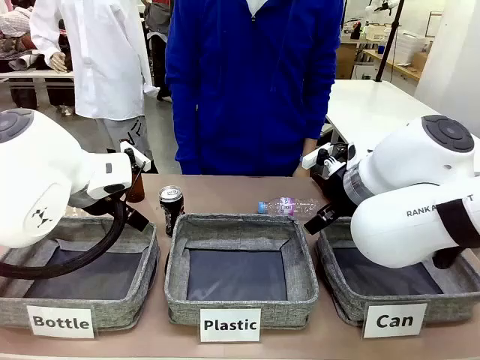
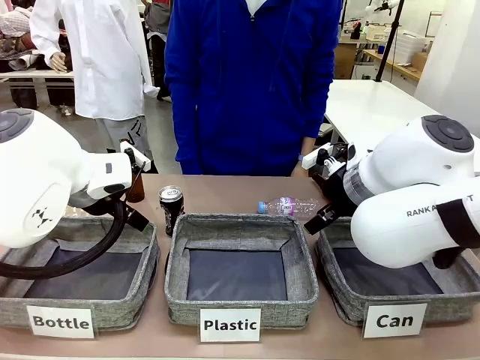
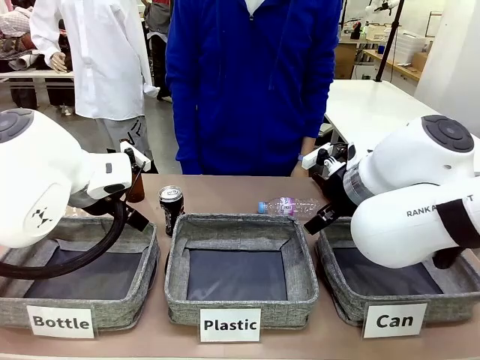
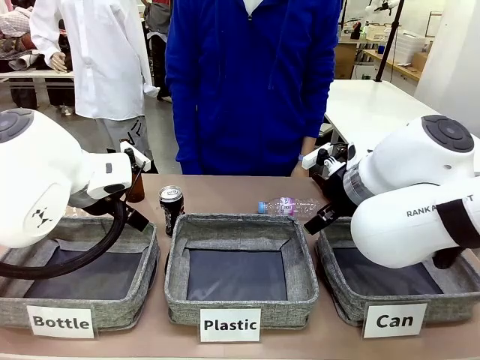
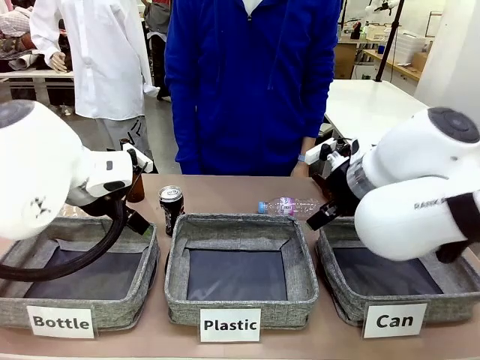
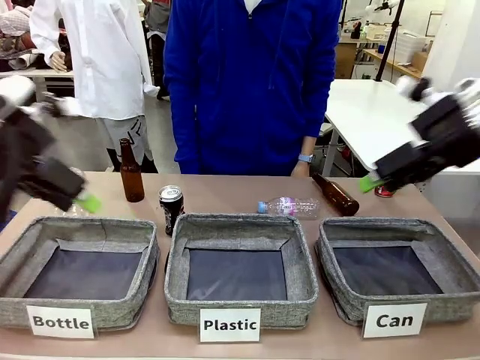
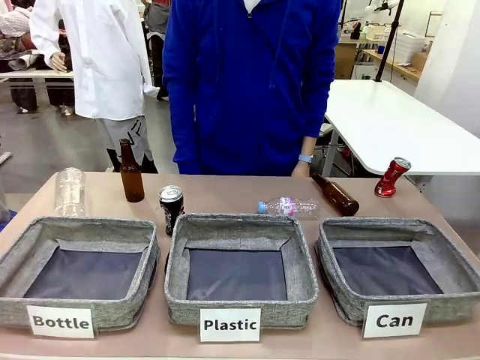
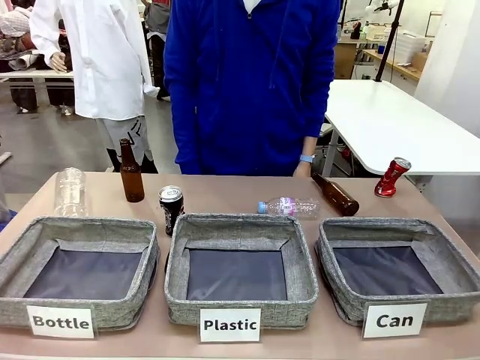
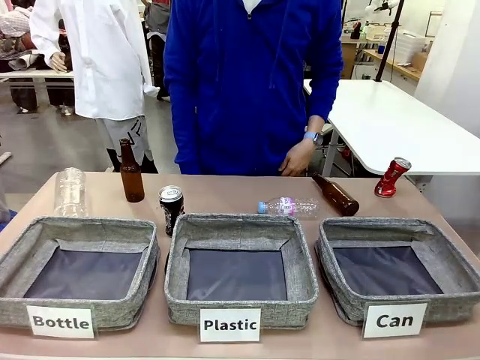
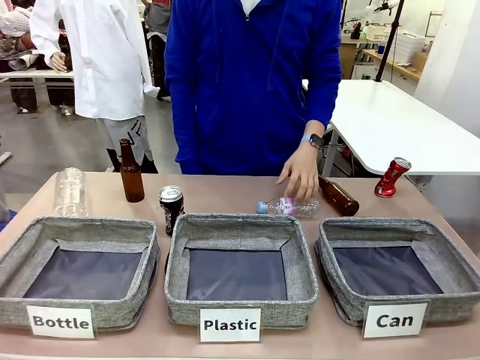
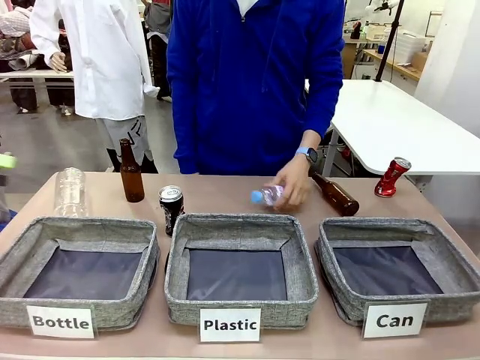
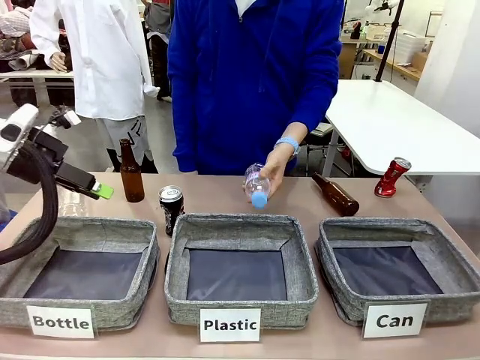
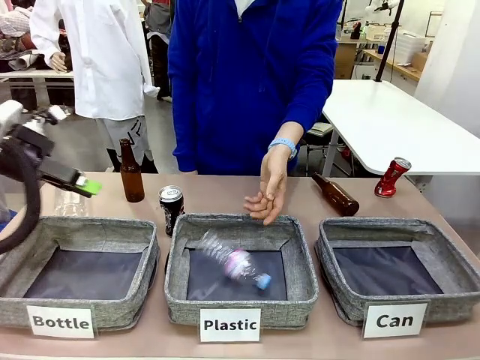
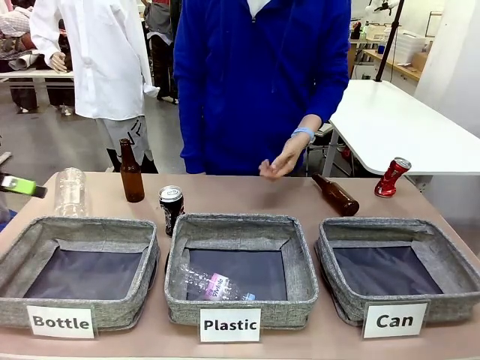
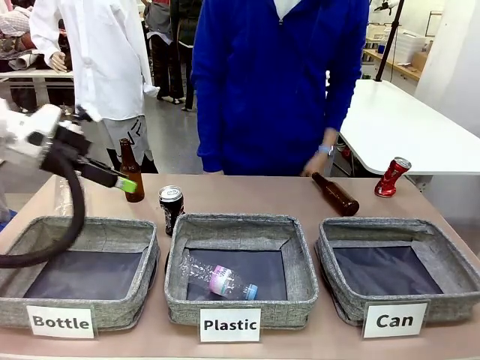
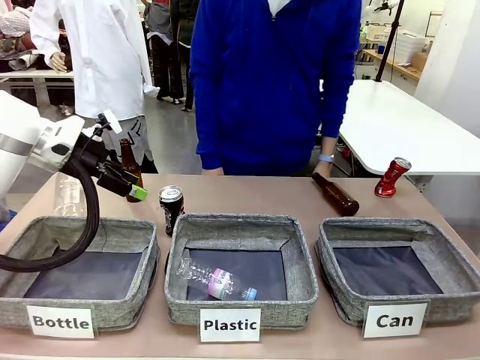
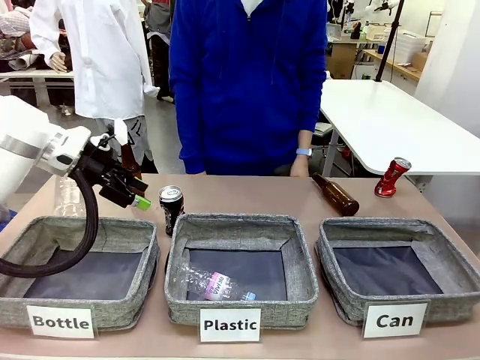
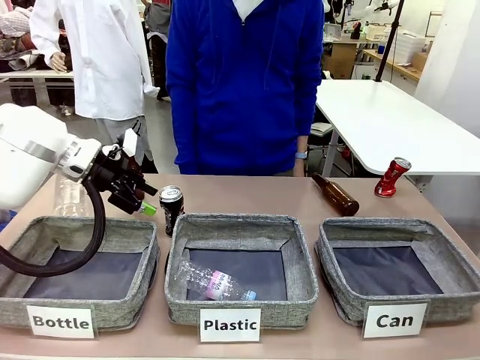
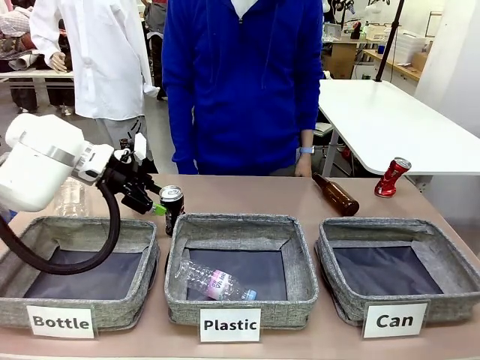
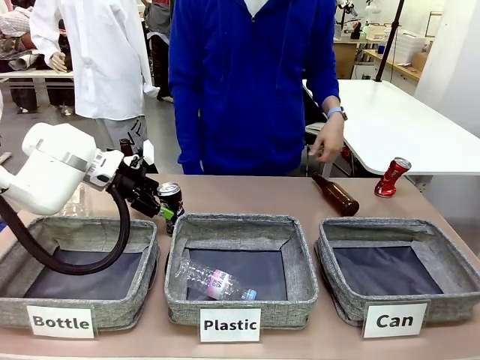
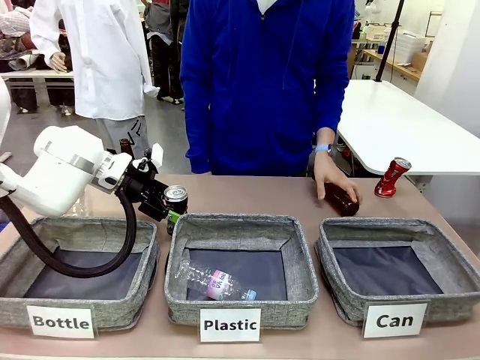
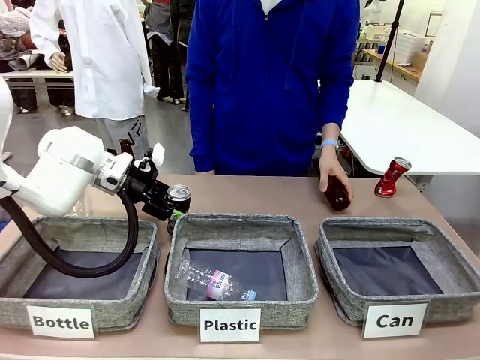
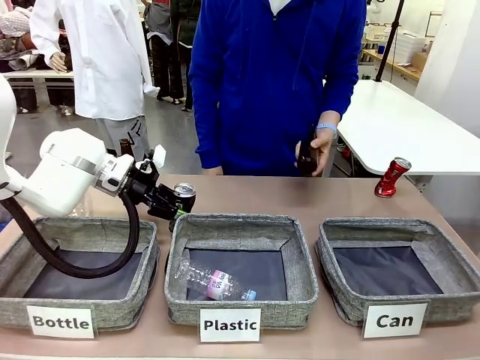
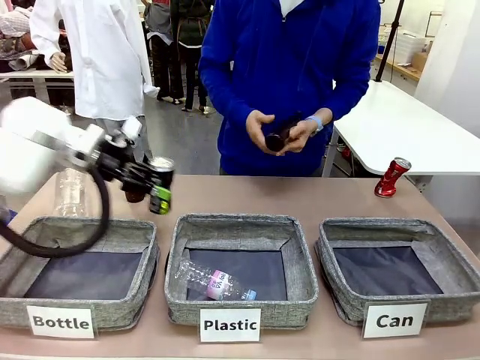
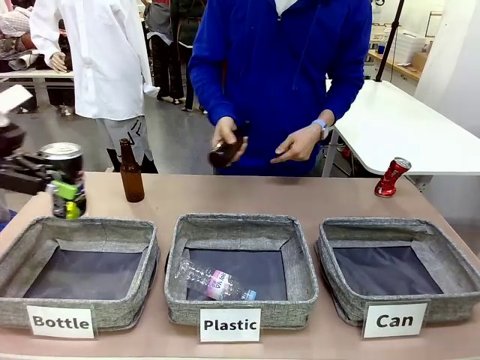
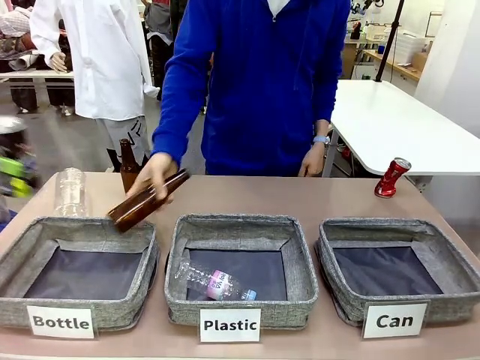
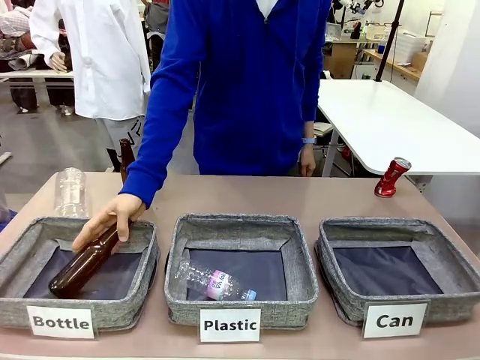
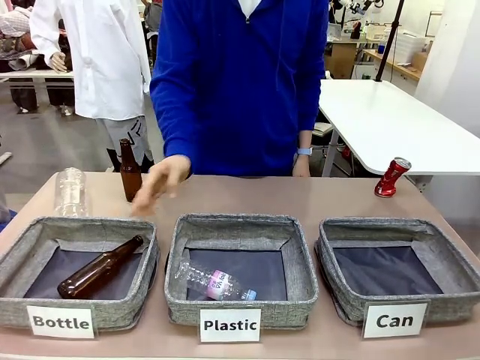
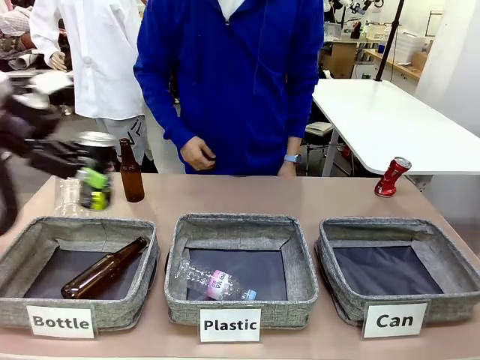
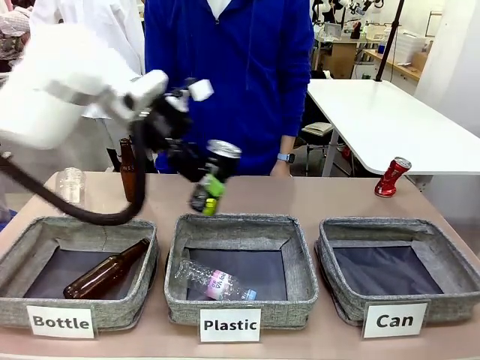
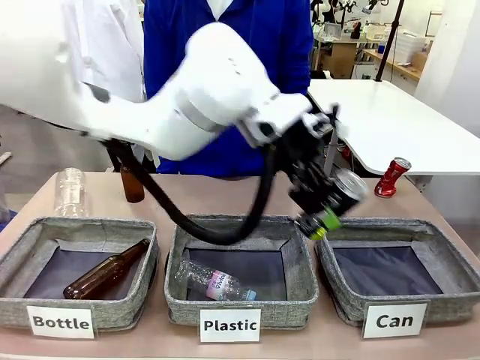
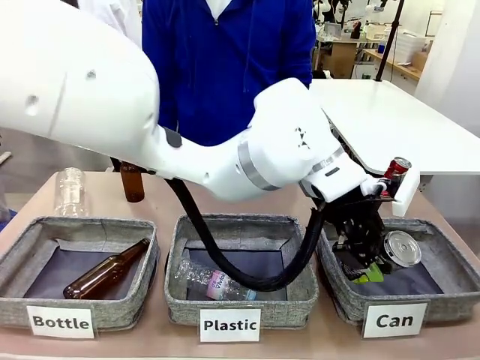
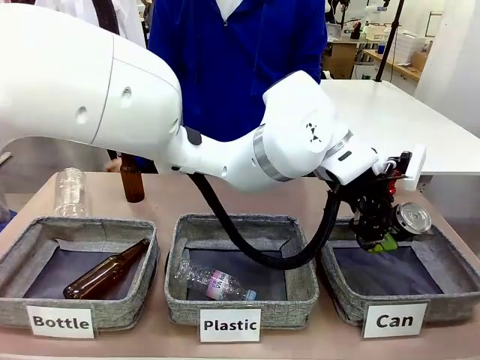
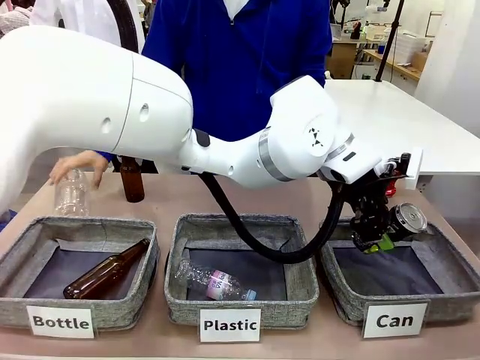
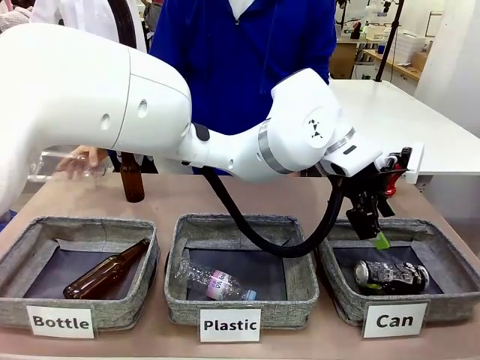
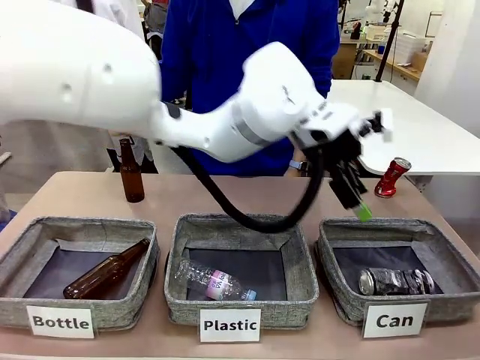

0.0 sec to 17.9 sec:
Task: Sort the can waste into the basket.
Robot: Pick up the can waste from the table and place it in the right Fabric basket.
